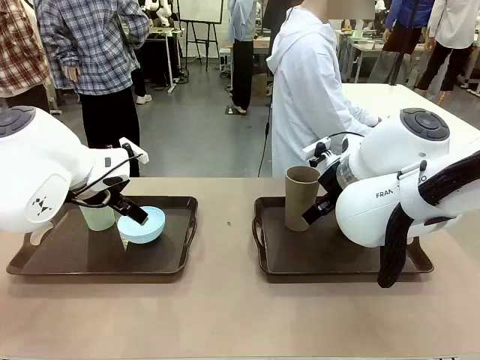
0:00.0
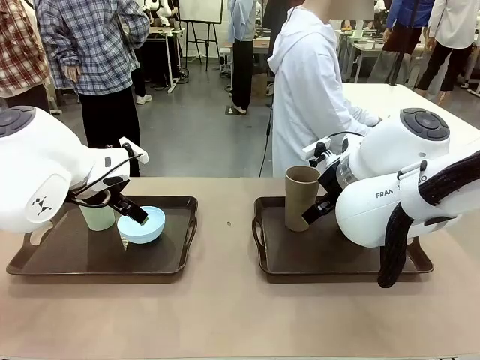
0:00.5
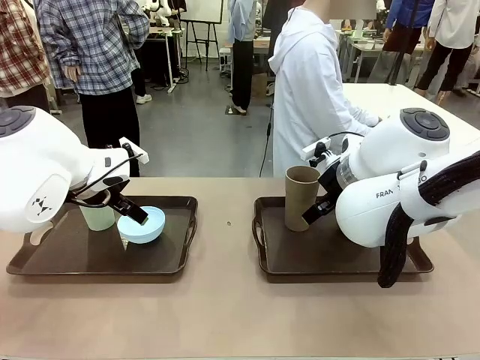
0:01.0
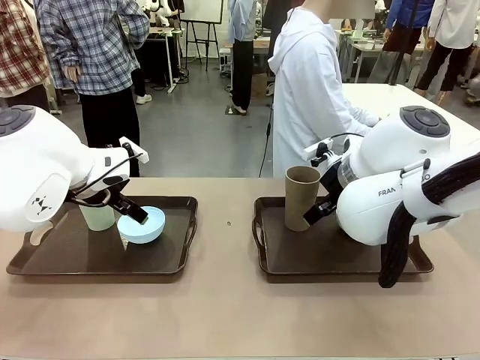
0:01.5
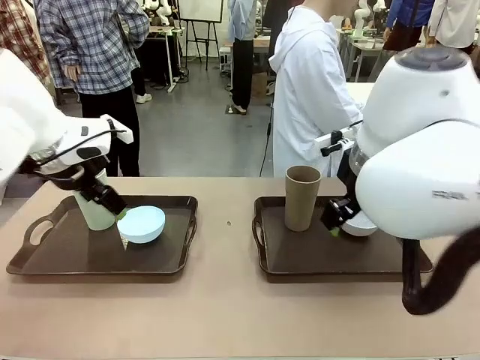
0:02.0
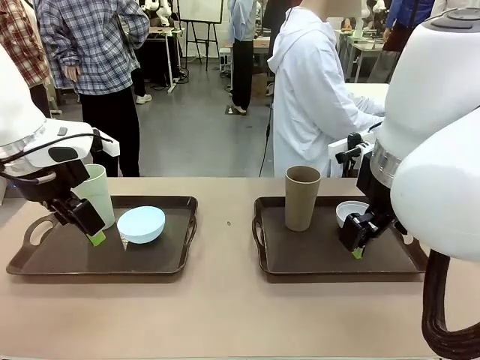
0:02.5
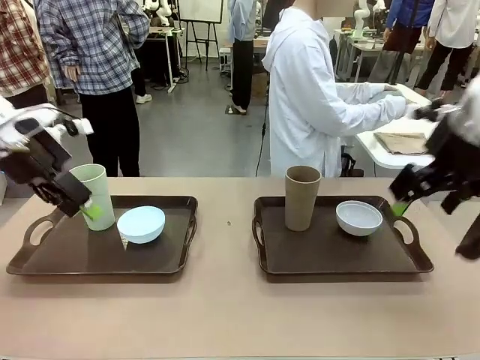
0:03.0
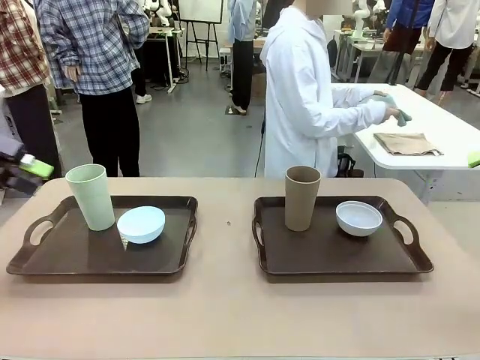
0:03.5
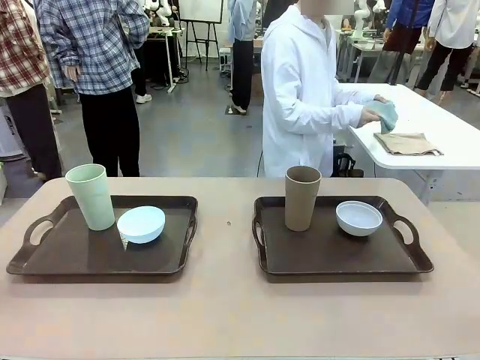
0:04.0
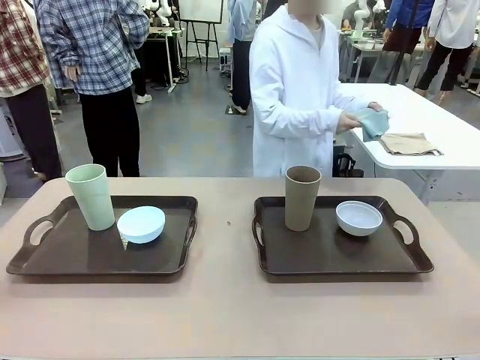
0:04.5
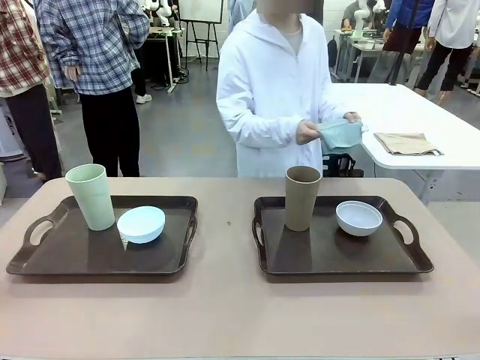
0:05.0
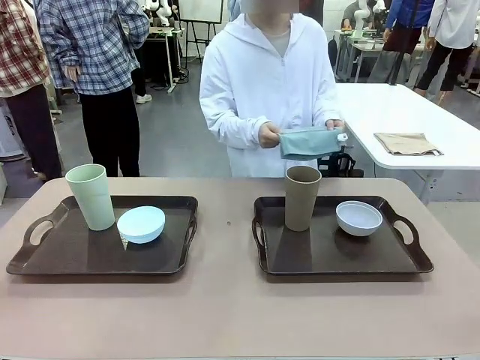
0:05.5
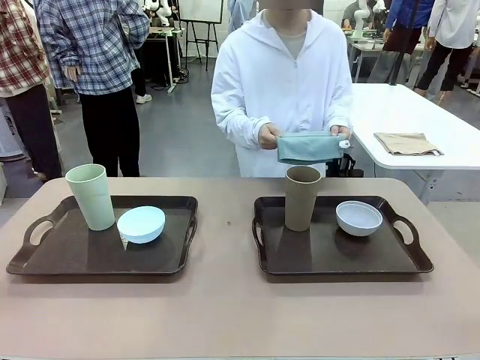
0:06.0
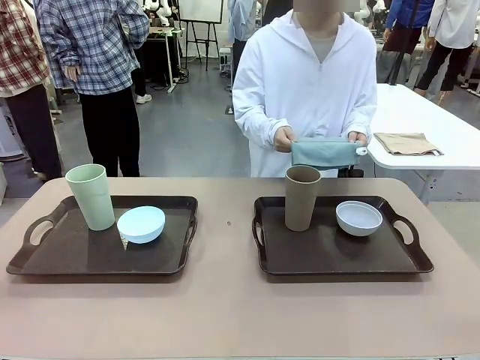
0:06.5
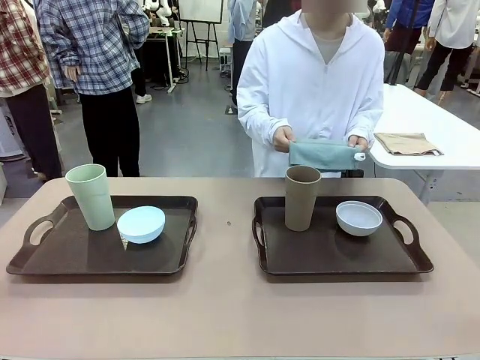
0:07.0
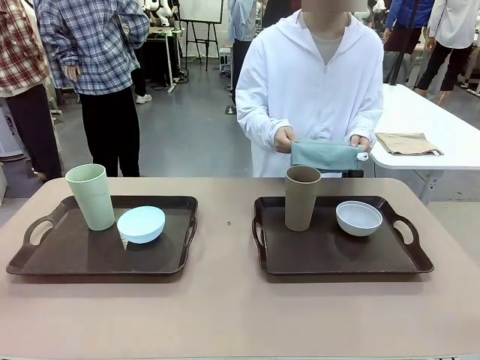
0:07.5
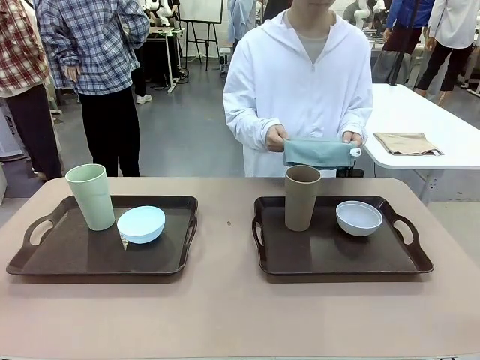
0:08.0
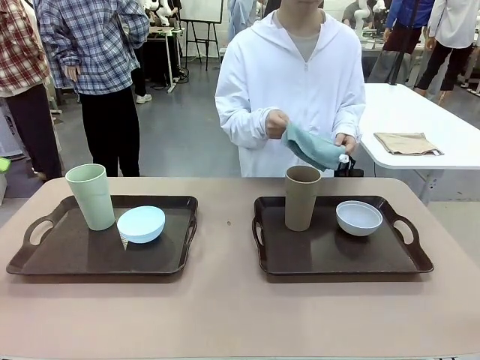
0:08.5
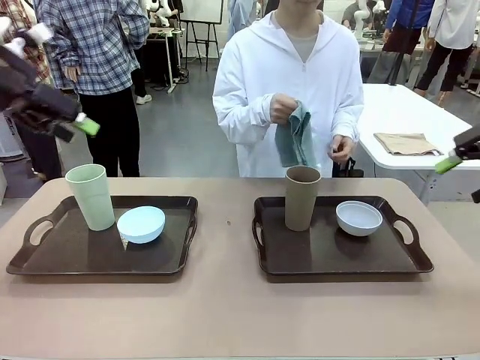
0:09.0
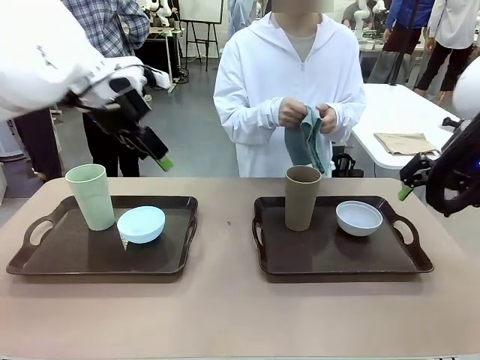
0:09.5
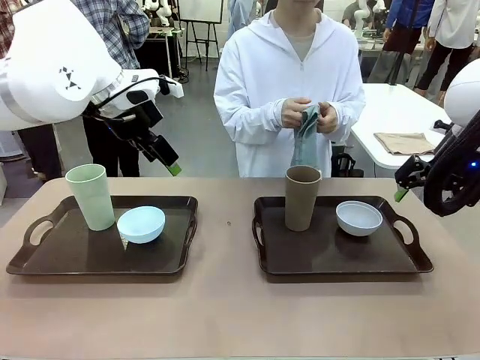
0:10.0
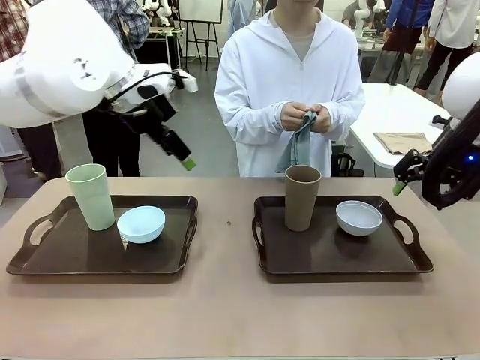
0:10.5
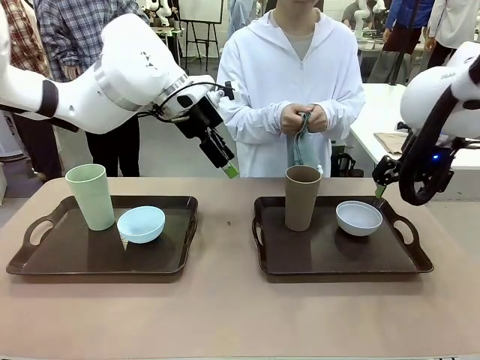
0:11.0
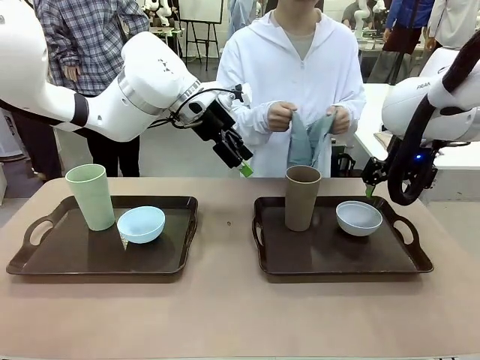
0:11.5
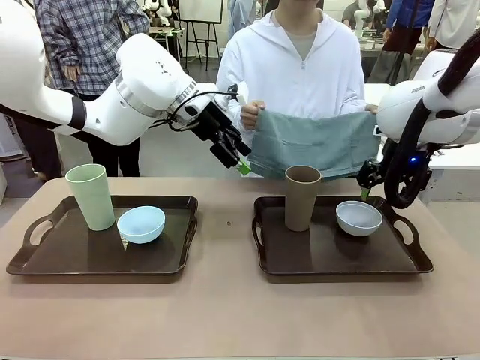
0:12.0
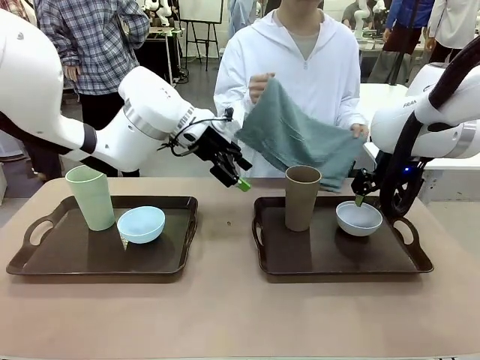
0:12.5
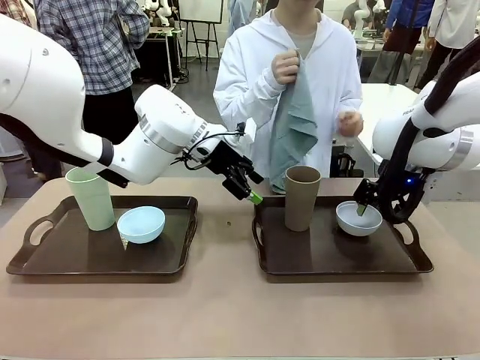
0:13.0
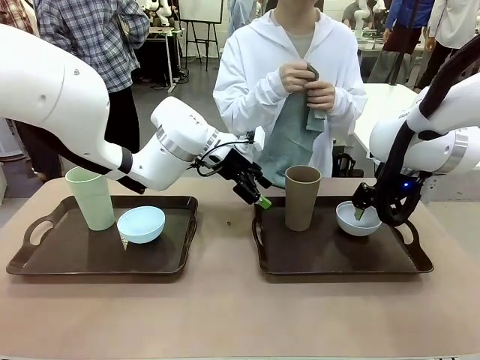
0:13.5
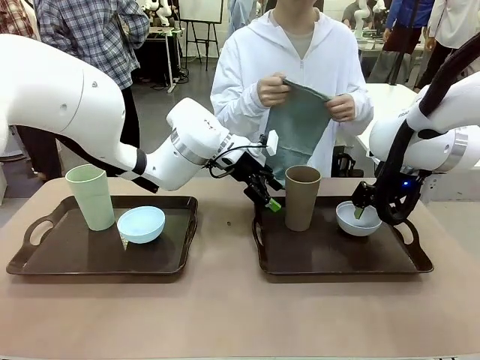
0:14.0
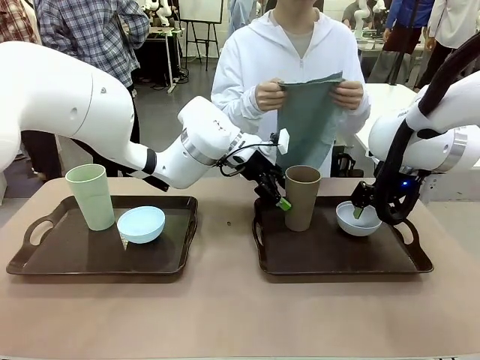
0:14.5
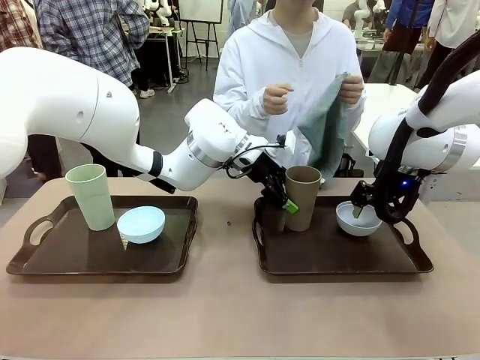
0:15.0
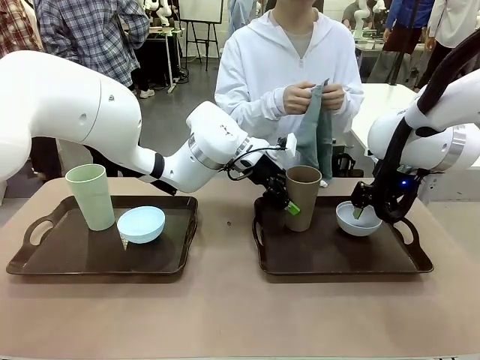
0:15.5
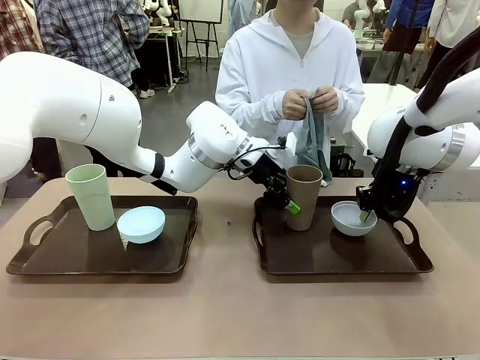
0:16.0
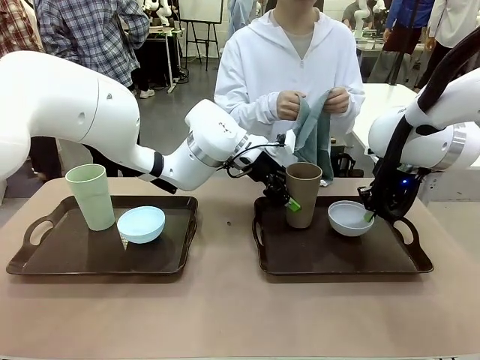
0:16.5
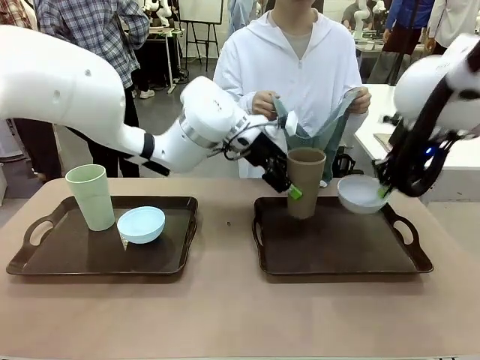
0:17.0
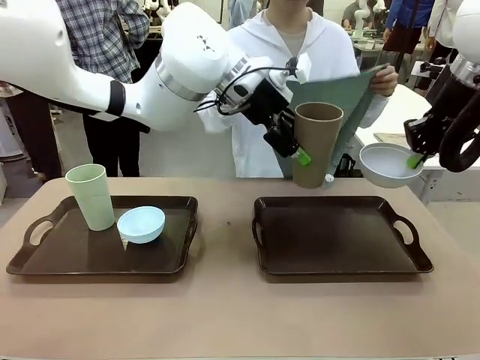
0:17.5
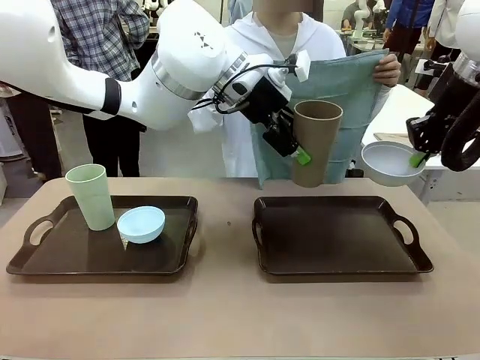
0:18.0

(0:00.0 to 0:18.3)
Robot: Pick up the Picnic Bowl and Reusable plastic cup from the Handle tray in front of the human's position and hold them in the air.
Person: The human picks up the top napkin from the stack on the human table and walks to the robot table to stand in front of one of the two trays. When the robot lifts the bowl and the cup, the human unfolds the napkin and lays the napkin flat on the tray.

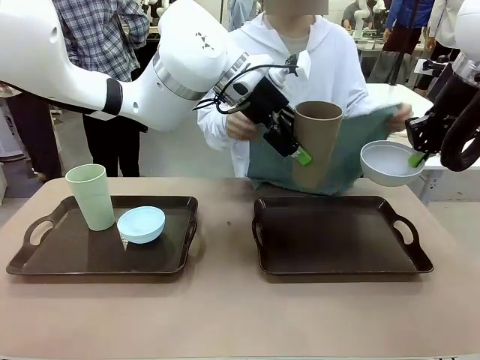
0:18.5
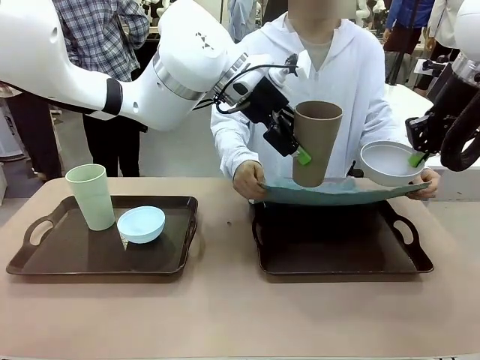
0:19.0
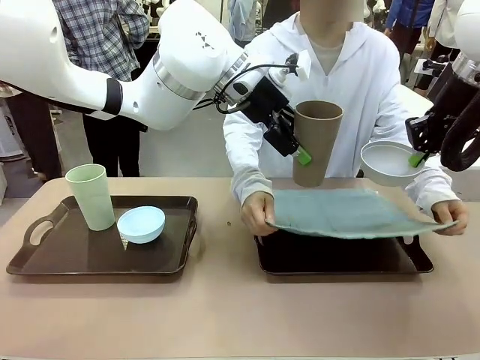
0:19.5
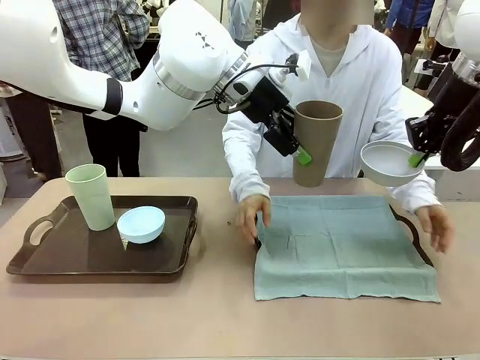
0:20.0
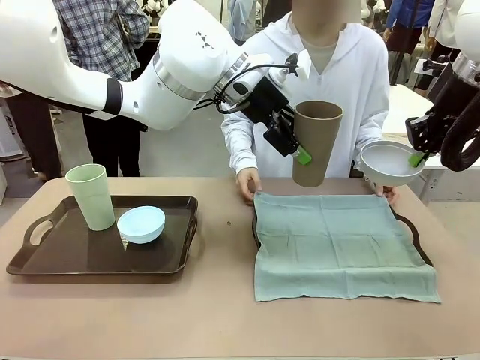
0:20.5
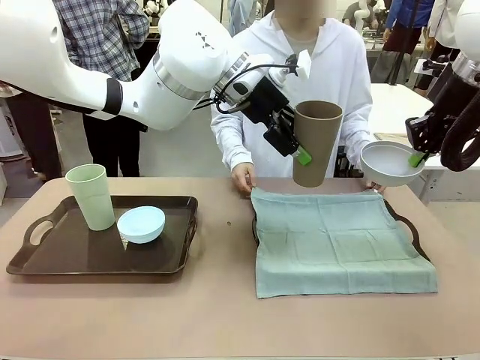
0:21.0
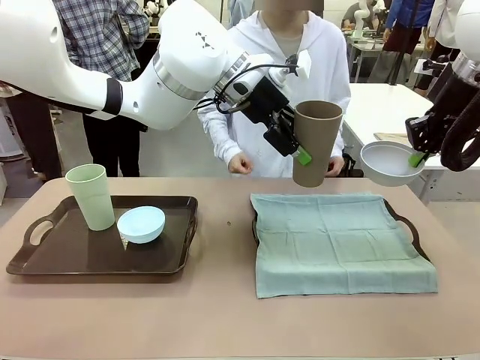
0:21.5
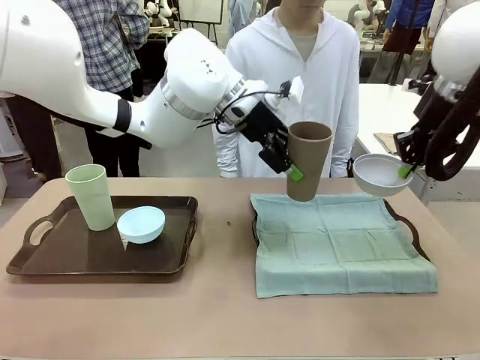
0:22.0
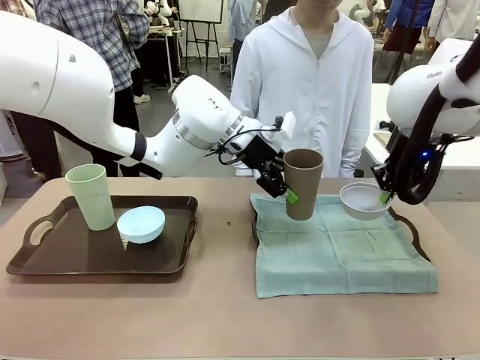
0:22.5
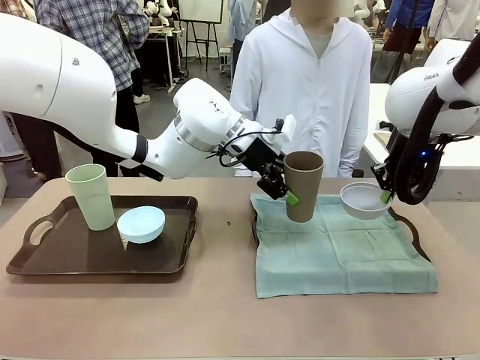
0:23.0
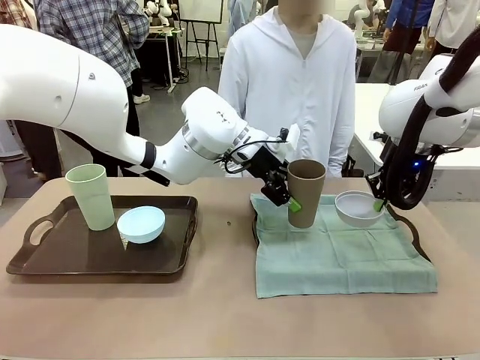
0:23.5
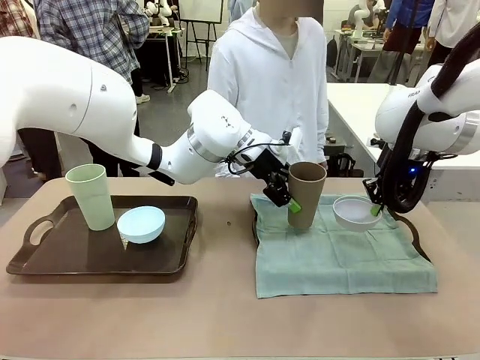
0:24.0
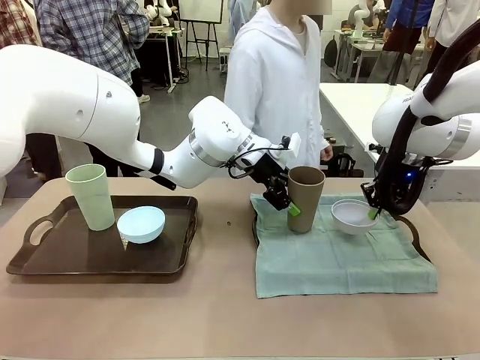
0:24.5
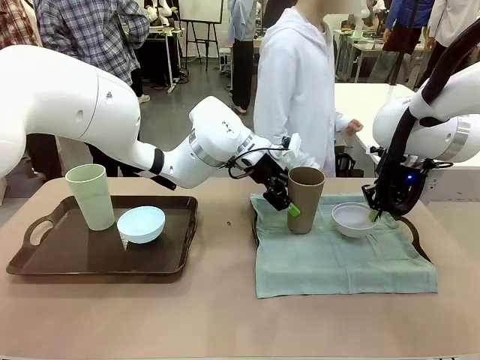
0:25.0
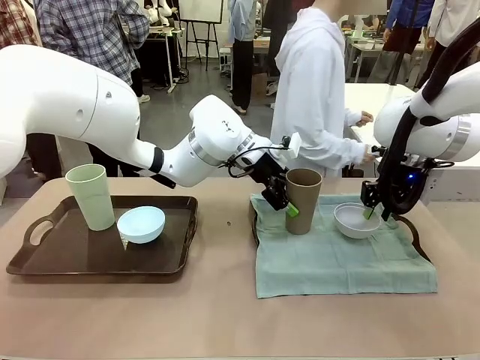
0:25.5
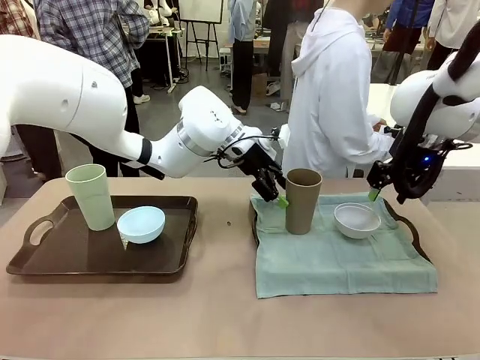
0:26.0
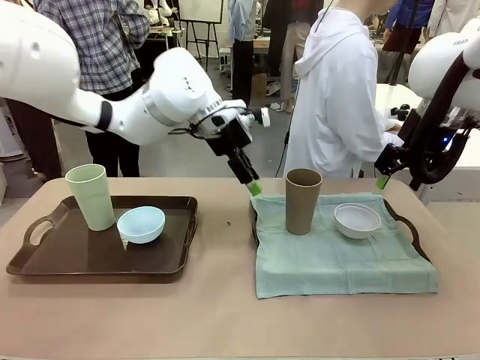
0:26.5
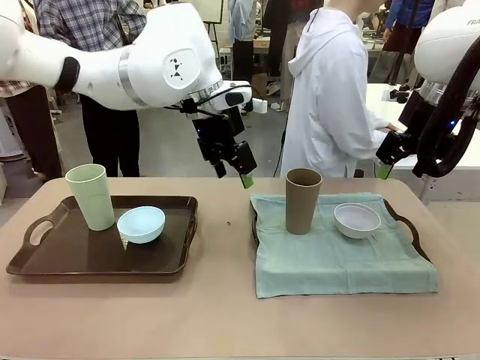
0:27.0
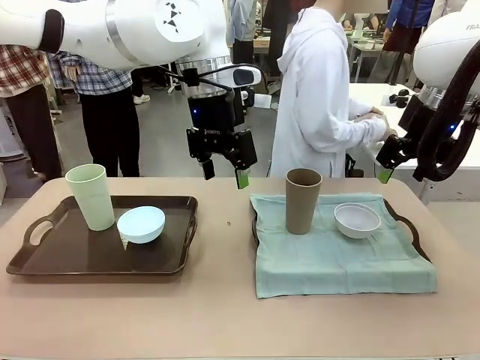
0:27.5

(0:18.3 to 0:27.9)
Robot: Place the Picnic Bowl and Reusable plastic cup back onto the Handle tray in front of the human's position.
